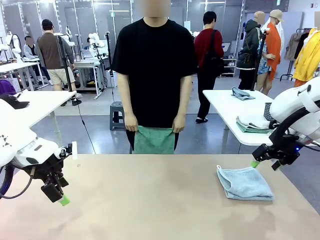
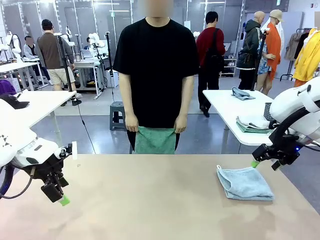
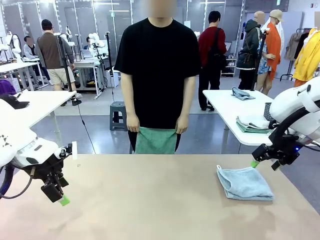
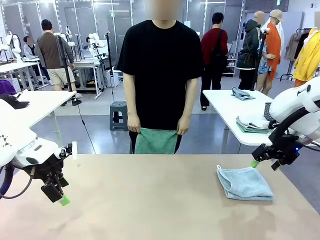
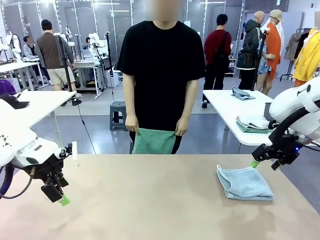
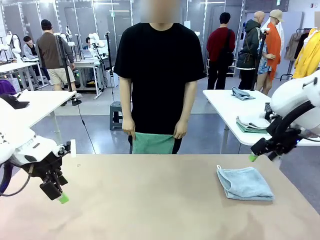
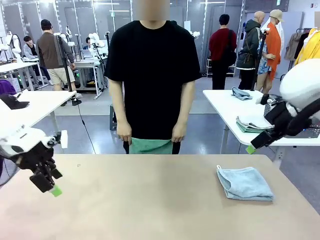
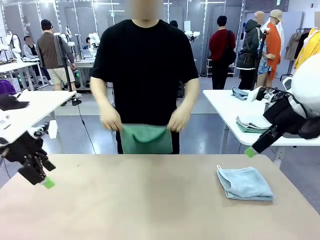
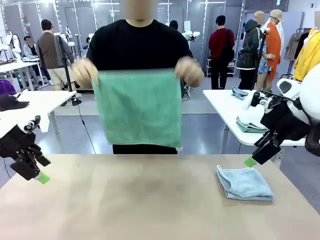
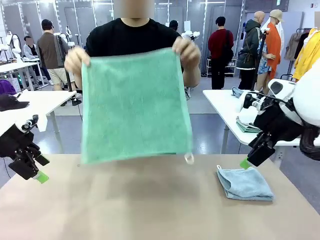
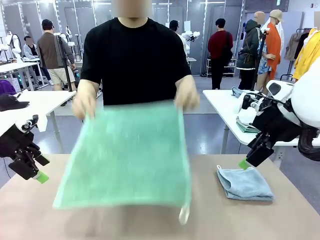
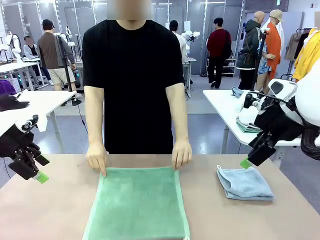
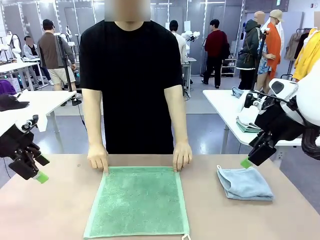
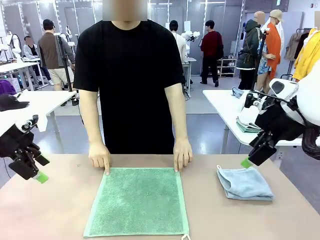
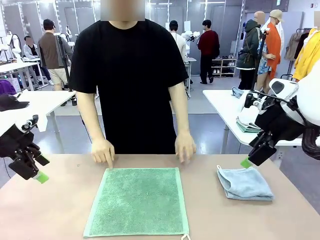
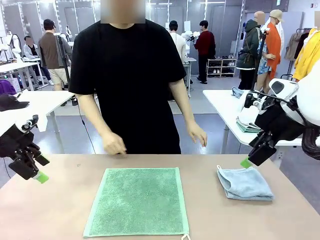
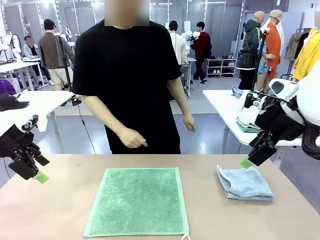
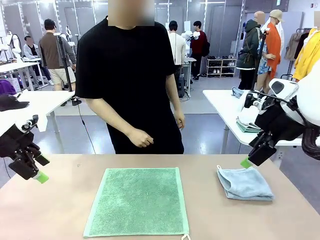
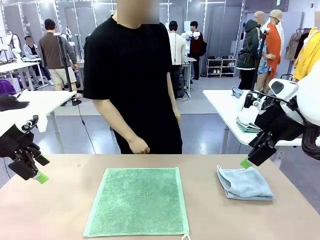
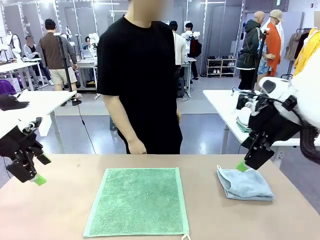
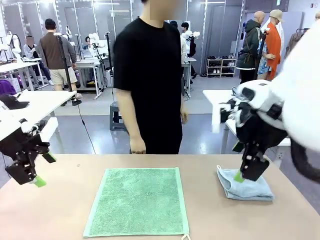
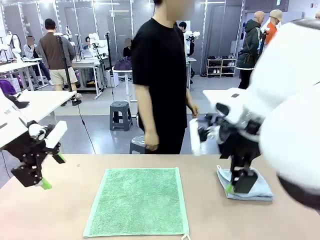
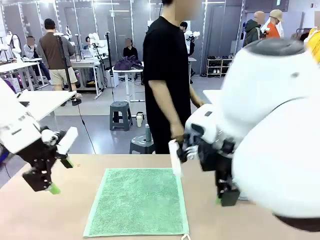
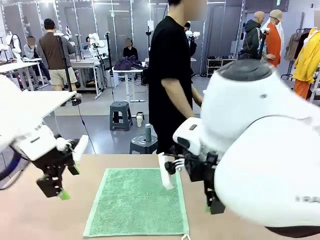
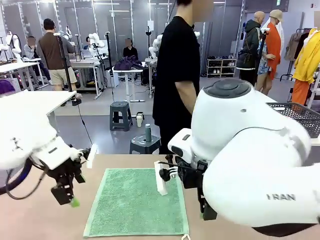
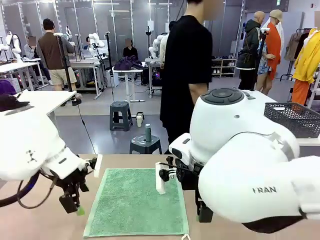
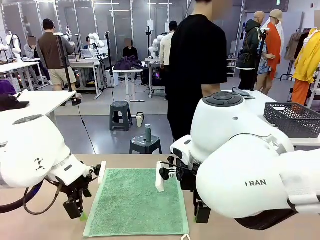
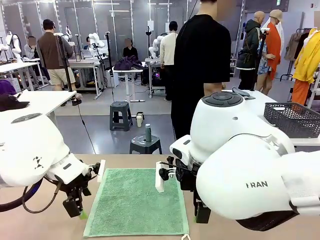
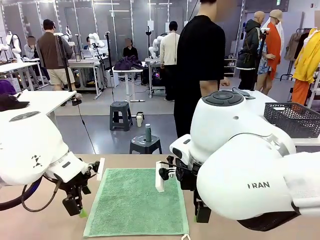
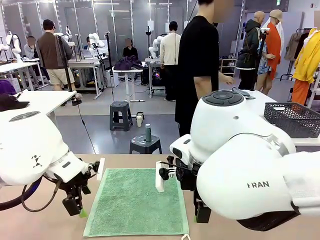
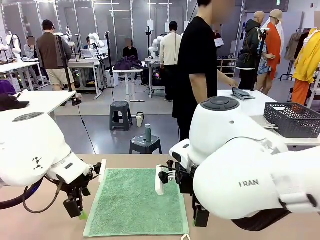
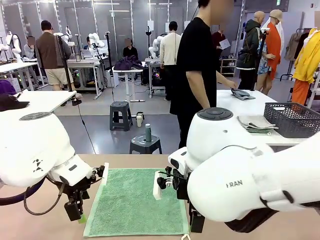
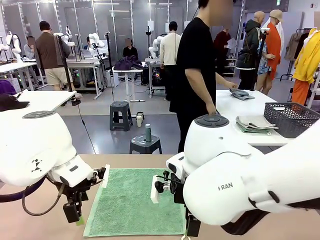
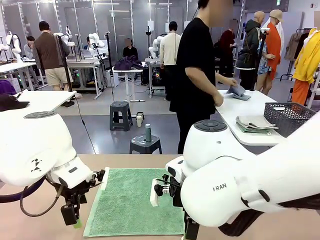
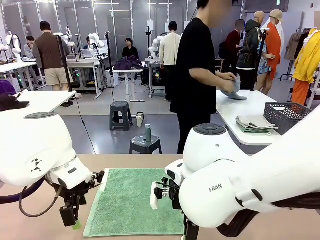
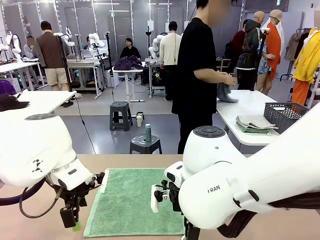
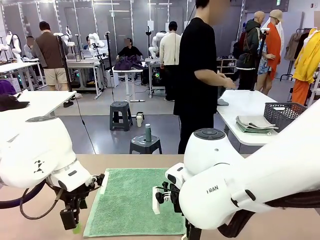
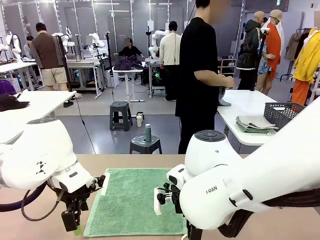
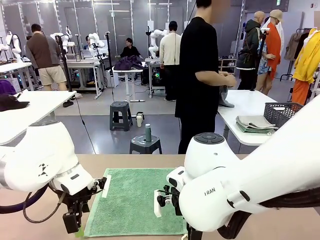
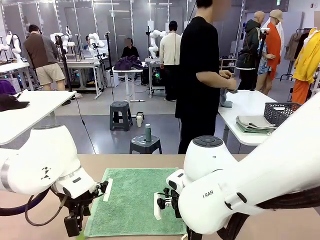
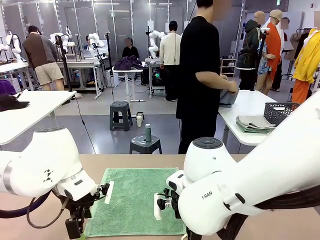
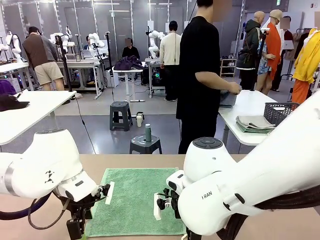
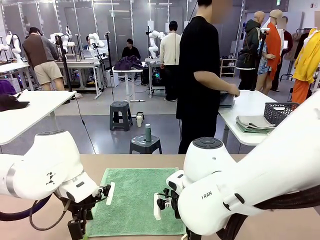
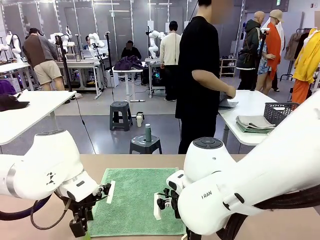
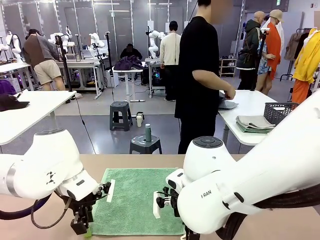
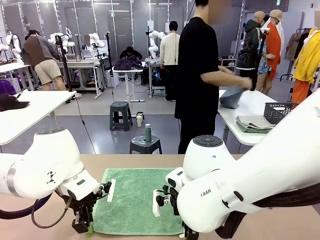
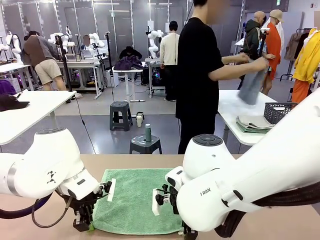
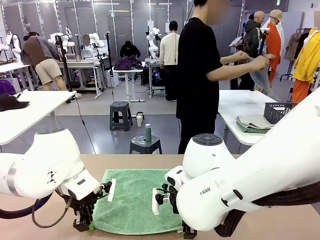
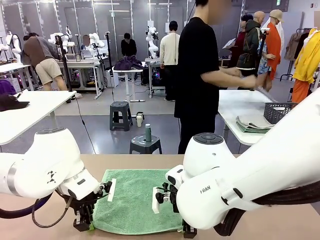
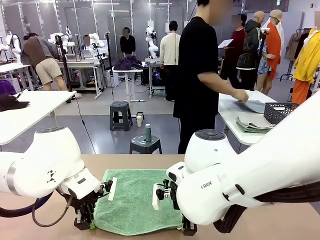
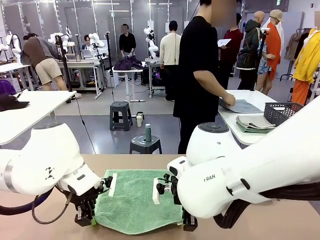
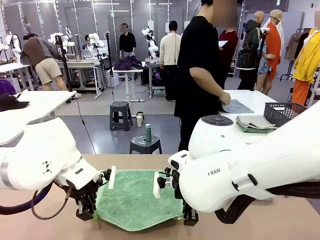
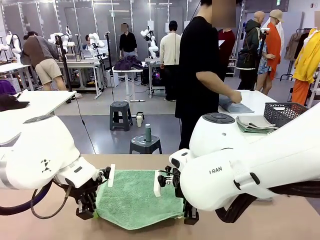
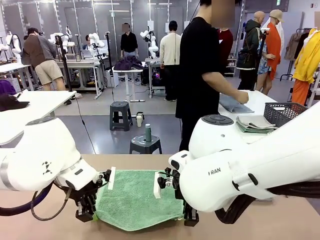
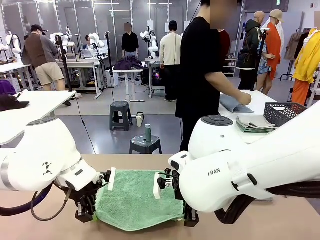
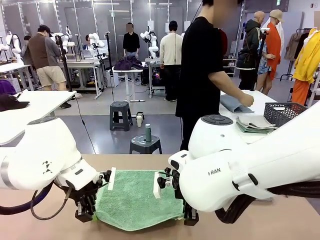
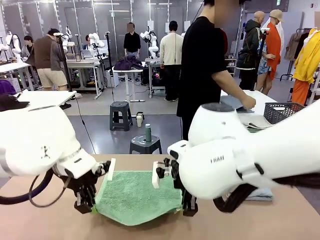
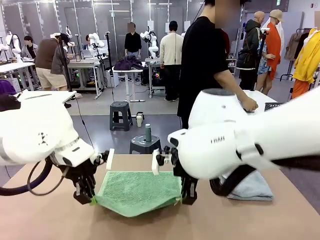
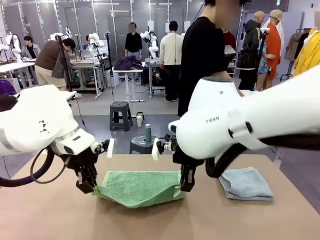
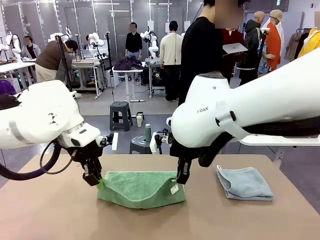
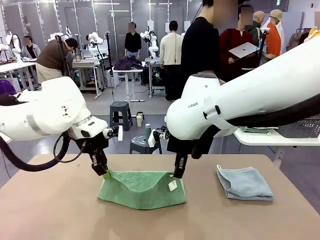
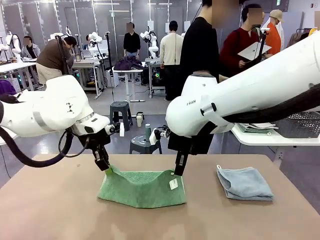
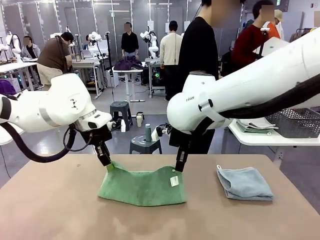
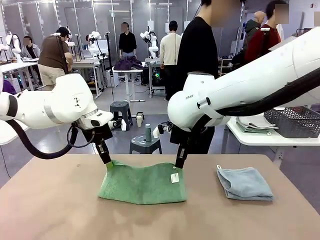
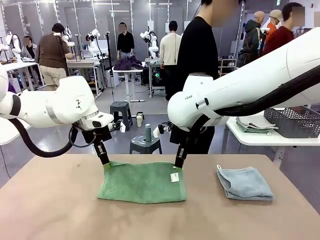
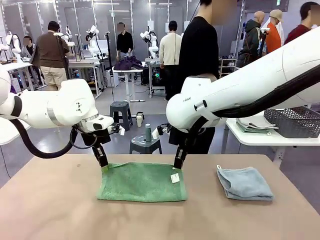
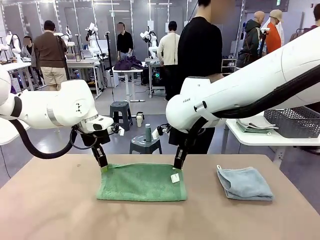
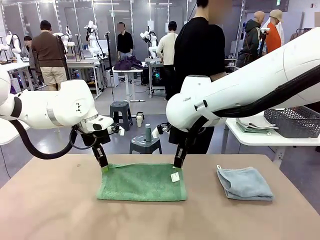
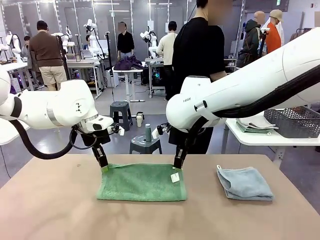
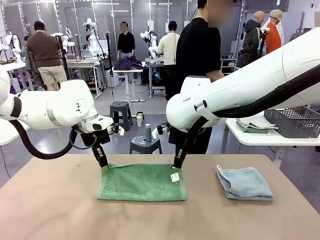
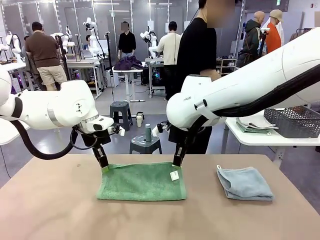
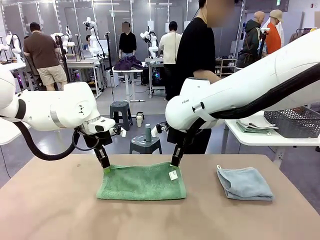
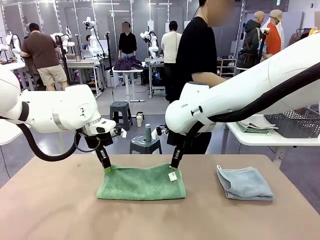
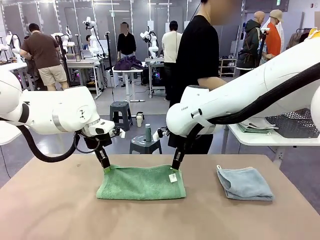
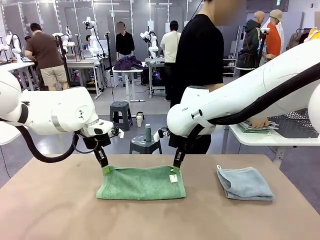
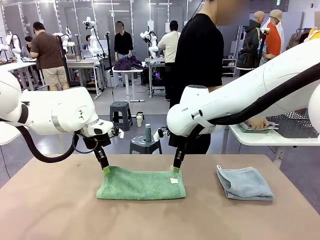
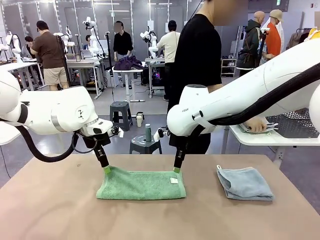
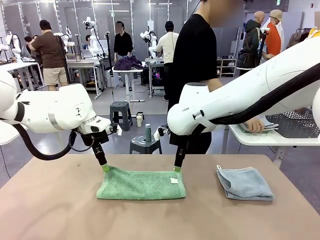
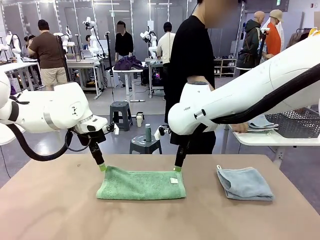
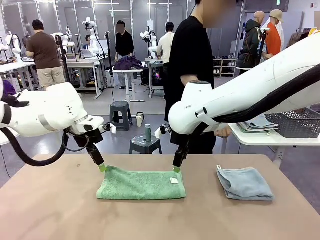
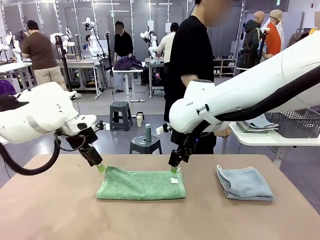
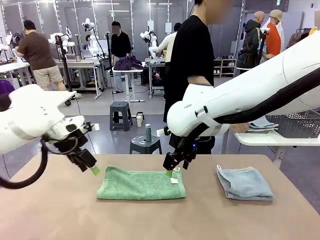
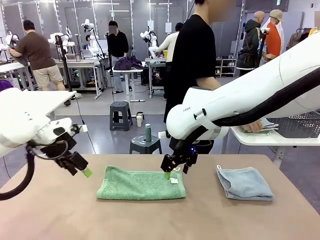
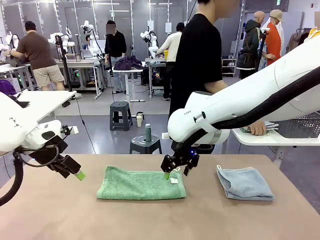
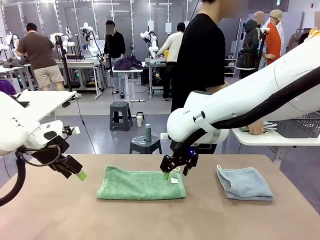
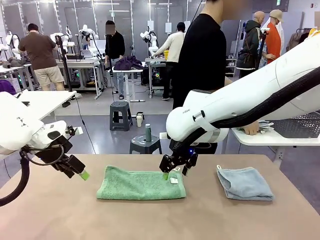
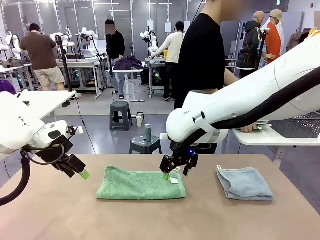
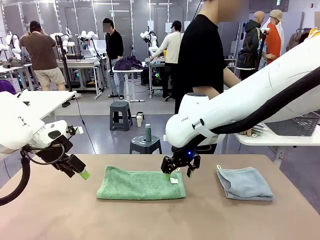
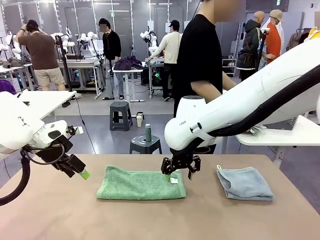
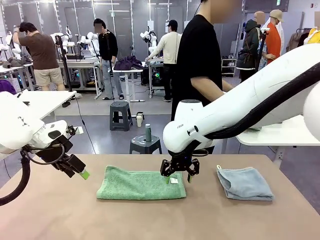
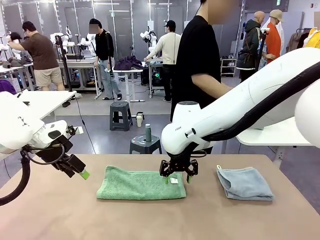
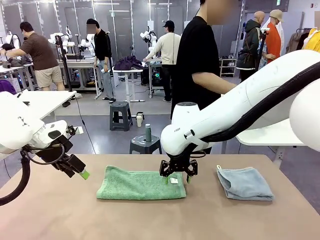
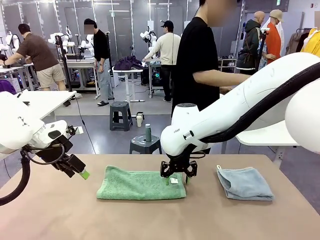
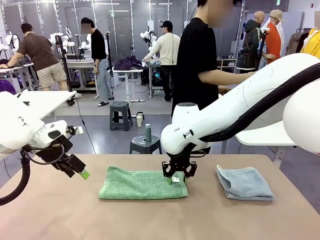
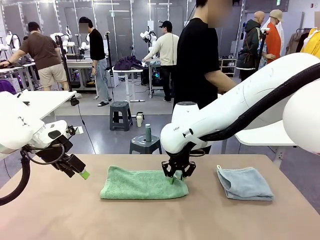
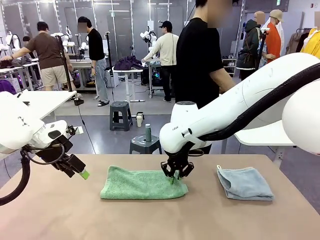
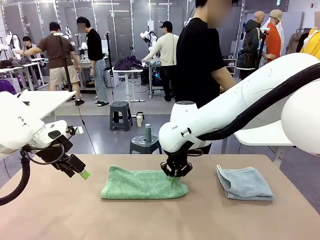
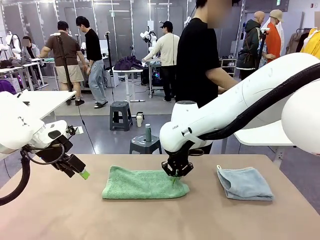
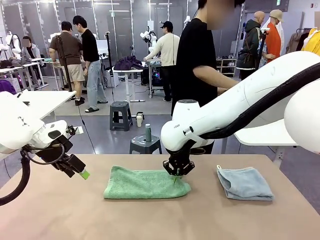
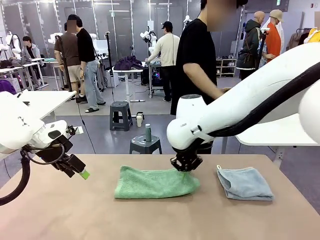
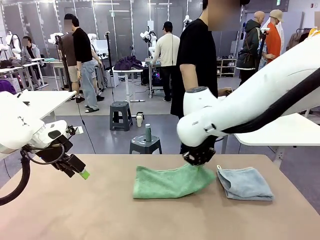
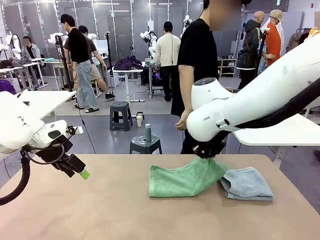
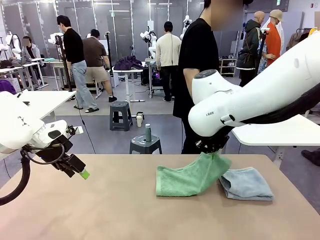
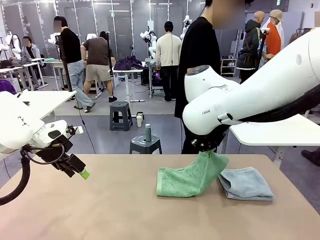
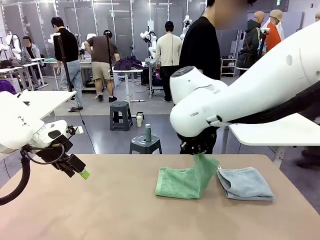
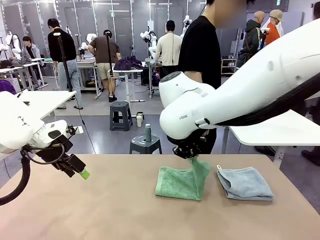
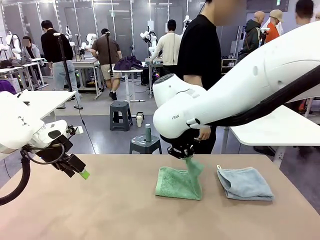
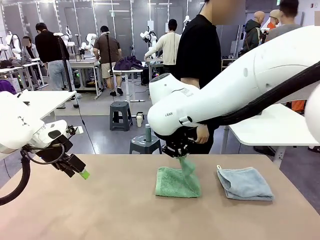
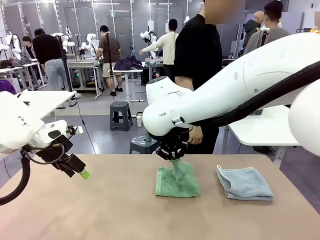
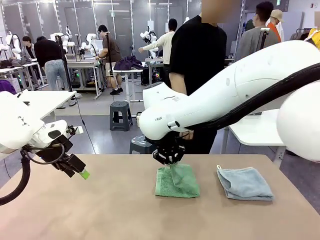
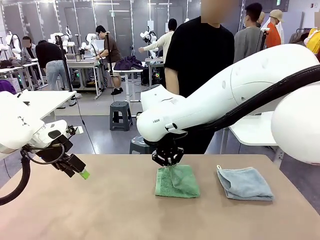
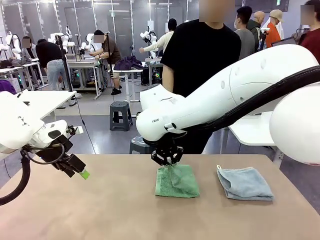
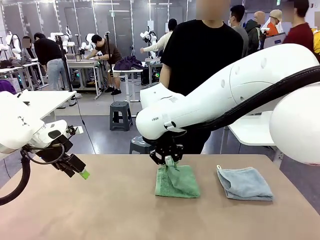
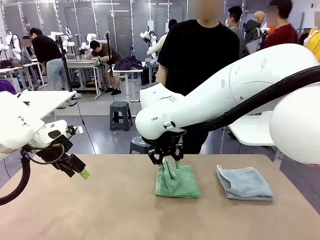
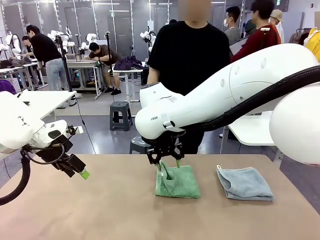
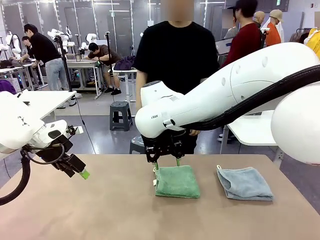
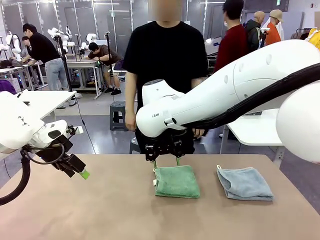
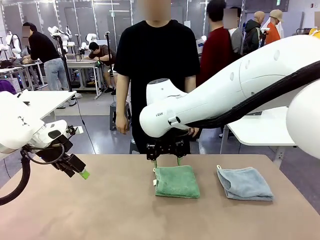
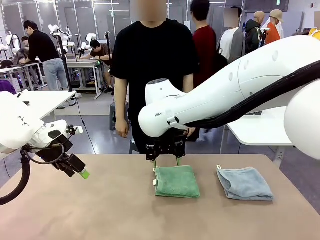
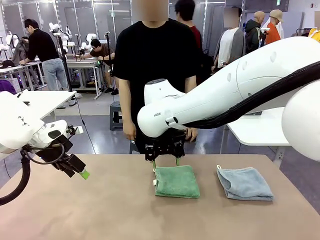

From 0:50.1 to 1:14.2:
Task: Fold the towels and place them in the basket.
Robot: When a person lays out a Towel with hook on the table, fold it in half twice.
Person: Pick up one towel from the left side of the human table, fold it in half twice, and stack it on the right side of the table. Pick up the stack of towels from the right side of the human table, place it into the basket, and put the basket at the center of the table.
